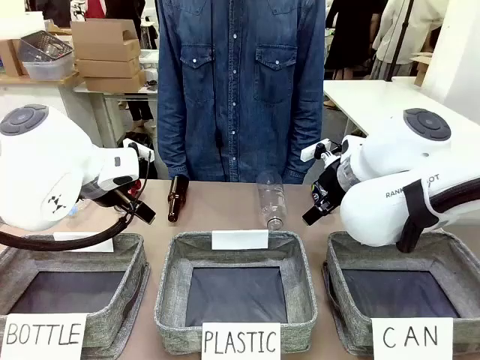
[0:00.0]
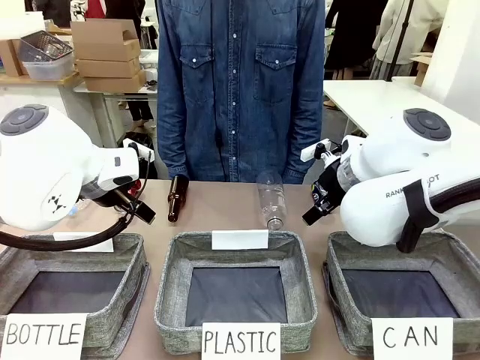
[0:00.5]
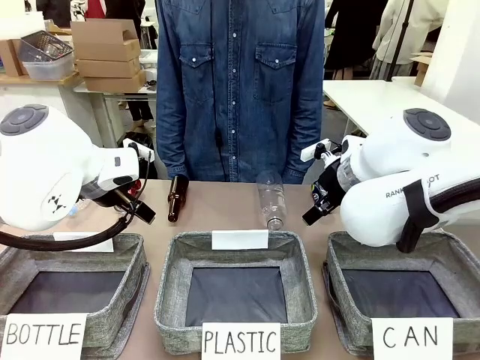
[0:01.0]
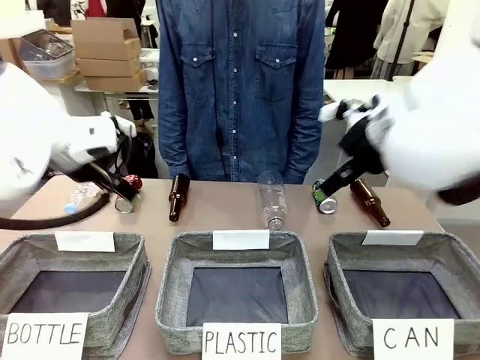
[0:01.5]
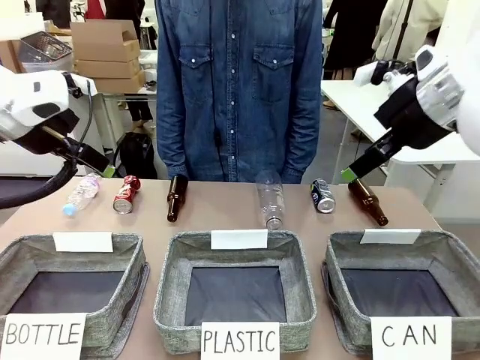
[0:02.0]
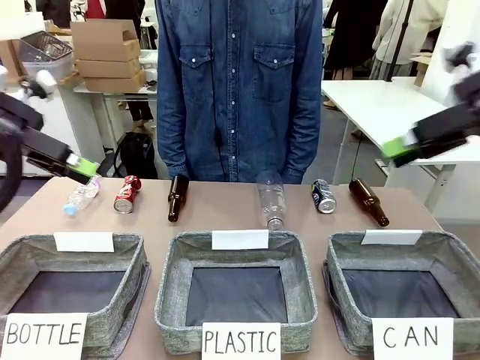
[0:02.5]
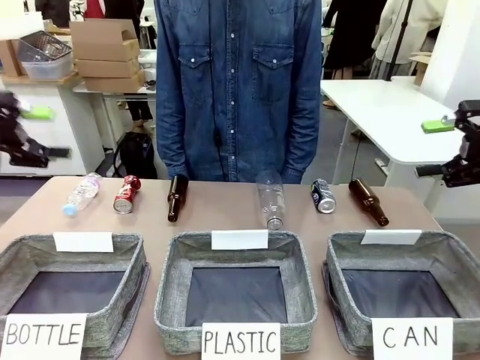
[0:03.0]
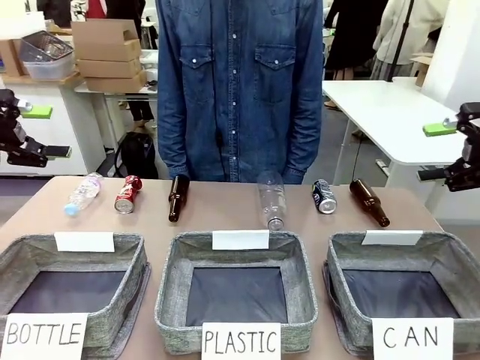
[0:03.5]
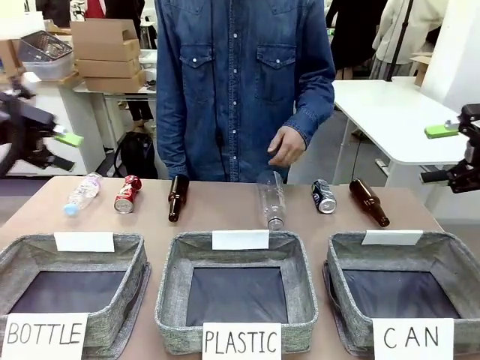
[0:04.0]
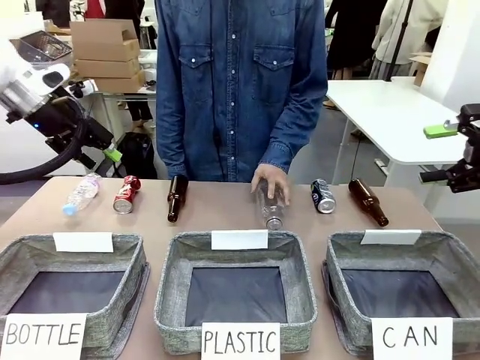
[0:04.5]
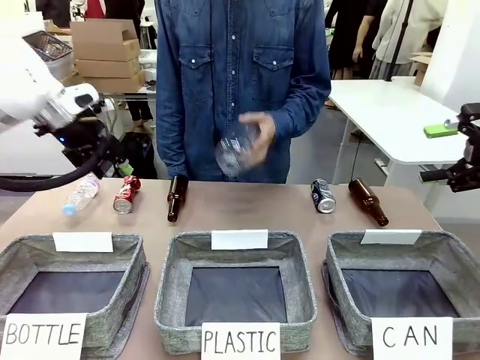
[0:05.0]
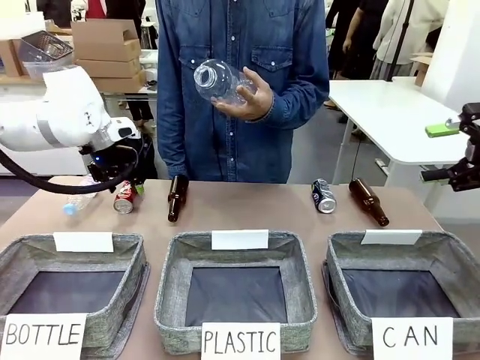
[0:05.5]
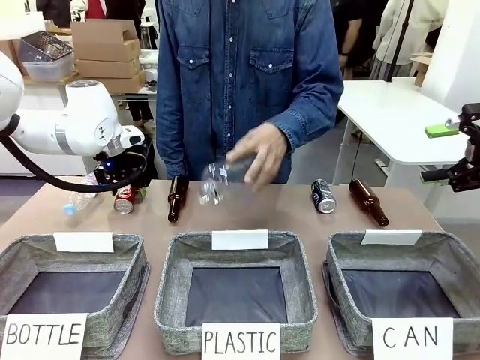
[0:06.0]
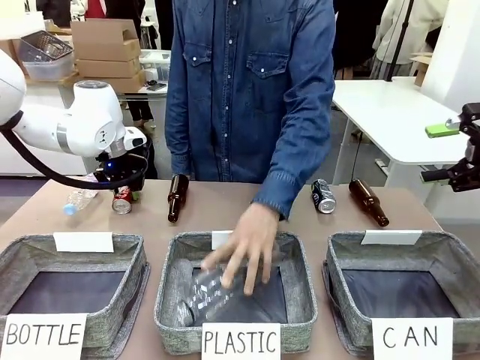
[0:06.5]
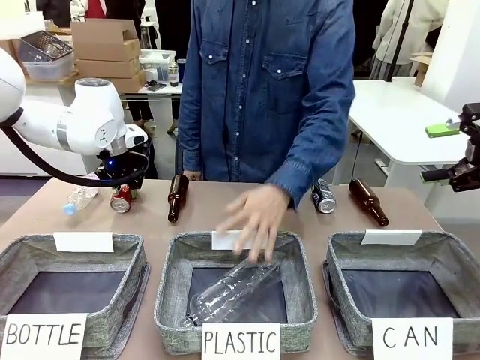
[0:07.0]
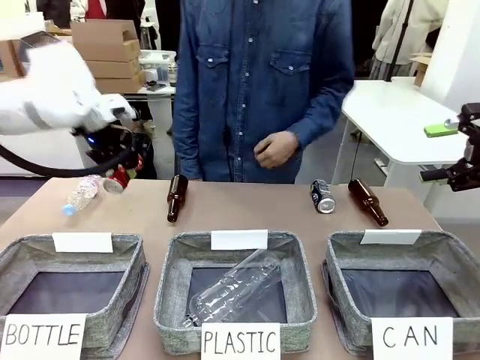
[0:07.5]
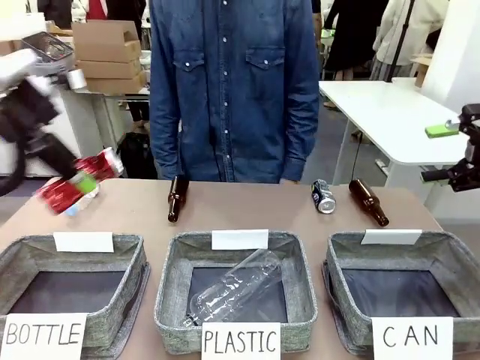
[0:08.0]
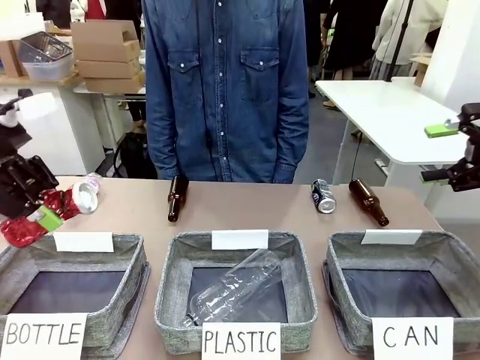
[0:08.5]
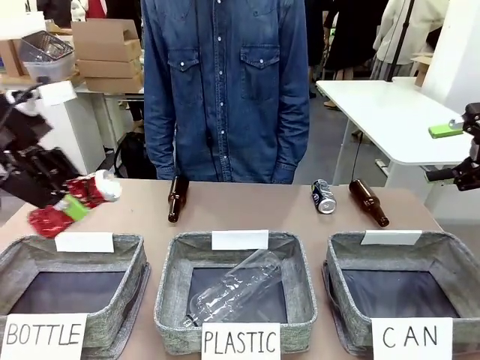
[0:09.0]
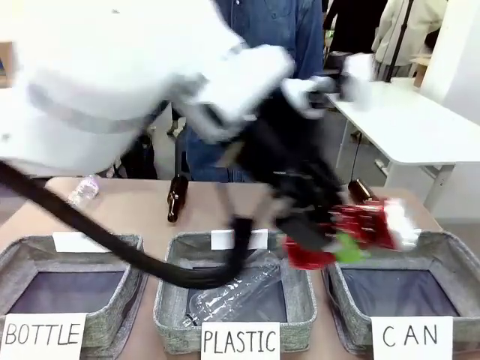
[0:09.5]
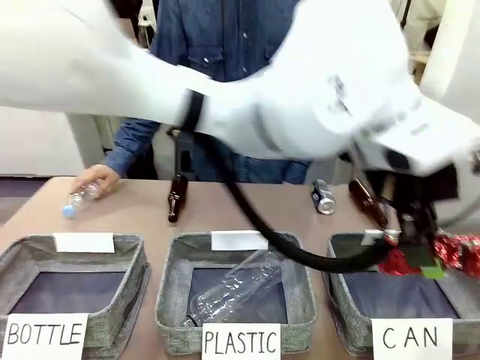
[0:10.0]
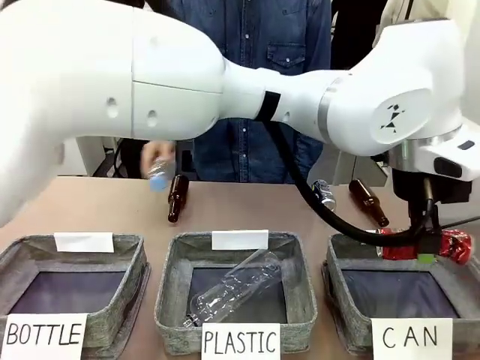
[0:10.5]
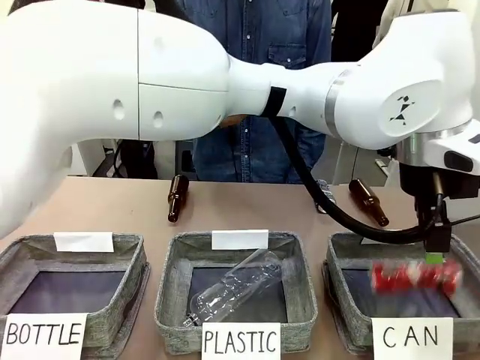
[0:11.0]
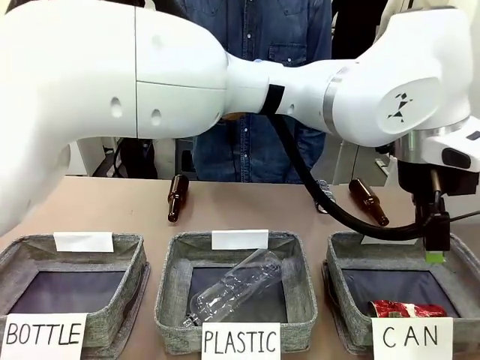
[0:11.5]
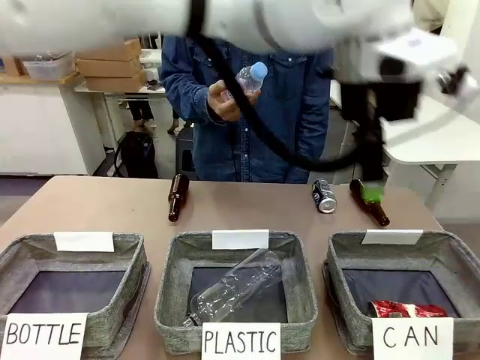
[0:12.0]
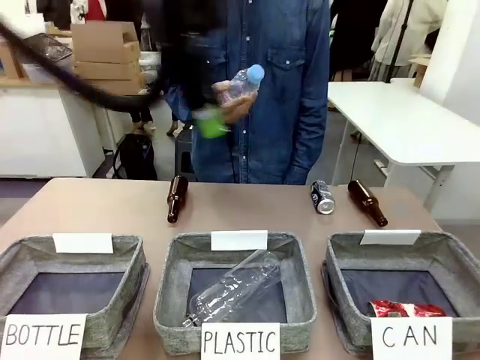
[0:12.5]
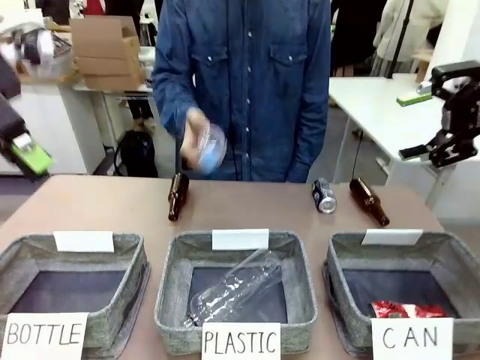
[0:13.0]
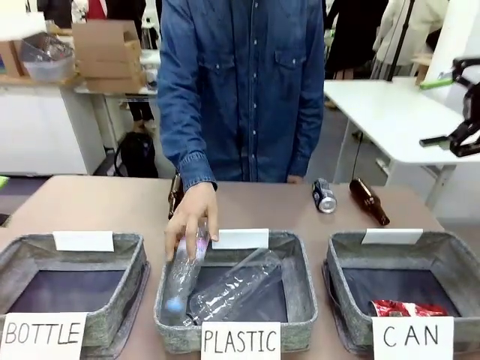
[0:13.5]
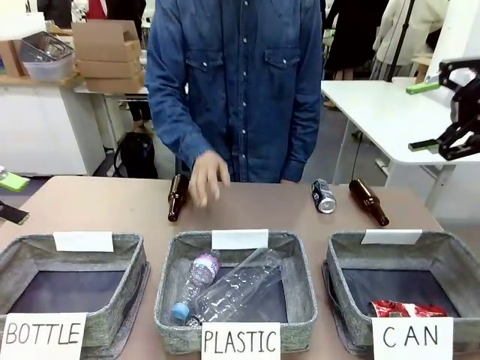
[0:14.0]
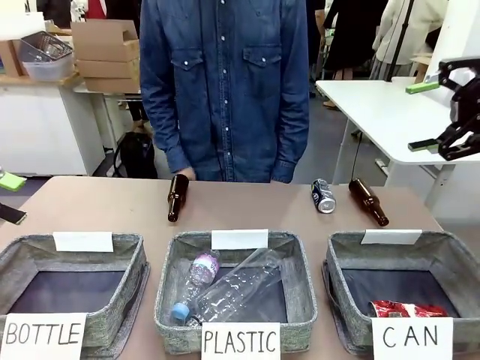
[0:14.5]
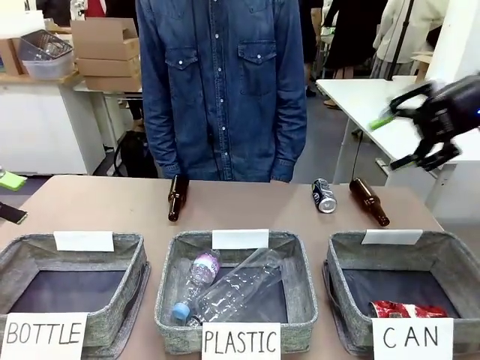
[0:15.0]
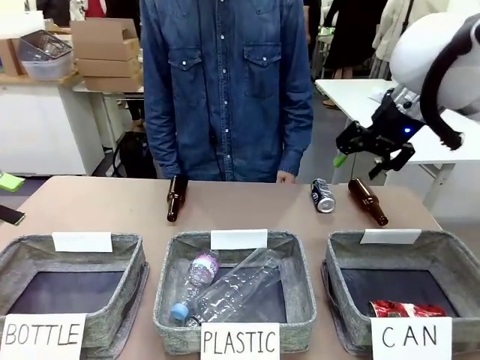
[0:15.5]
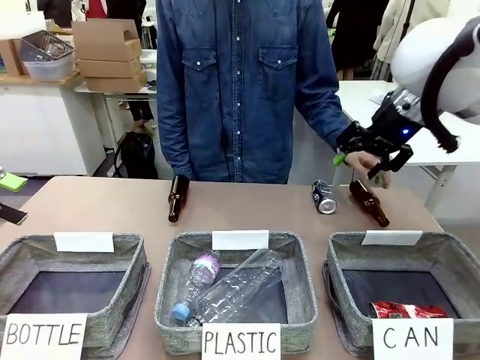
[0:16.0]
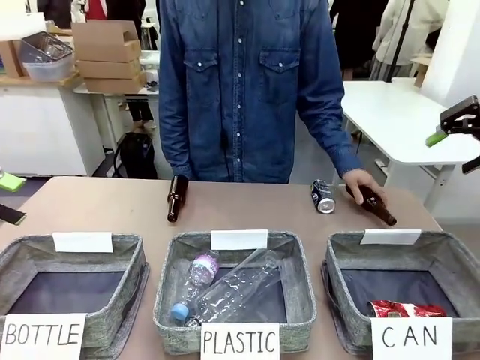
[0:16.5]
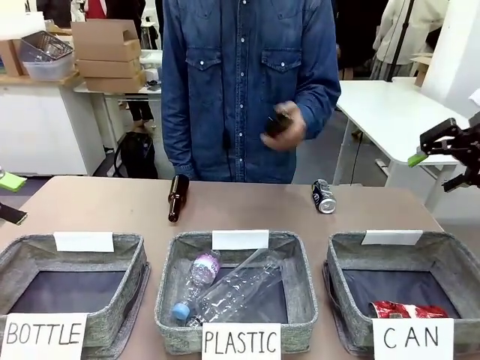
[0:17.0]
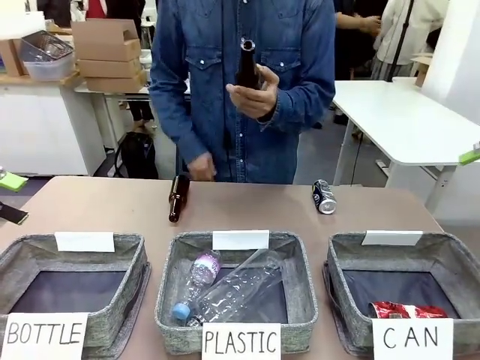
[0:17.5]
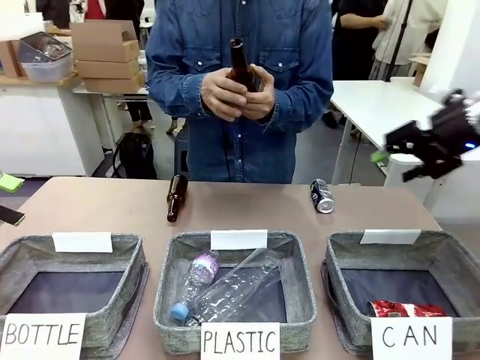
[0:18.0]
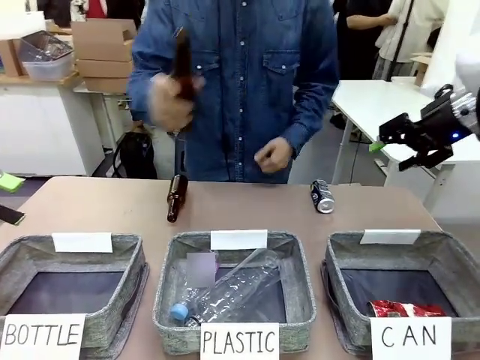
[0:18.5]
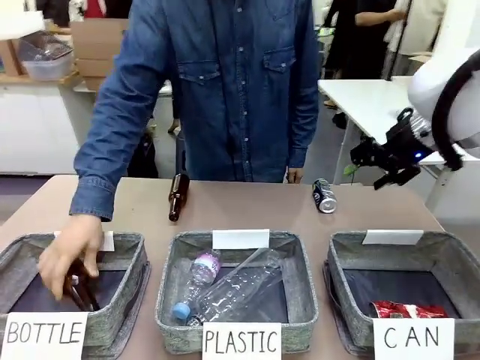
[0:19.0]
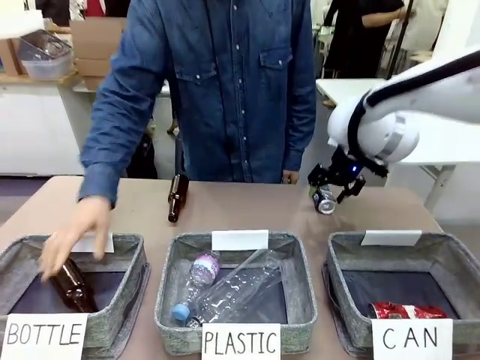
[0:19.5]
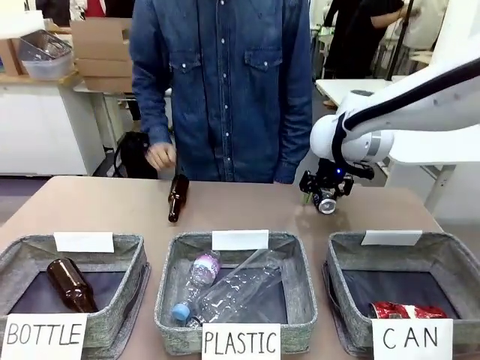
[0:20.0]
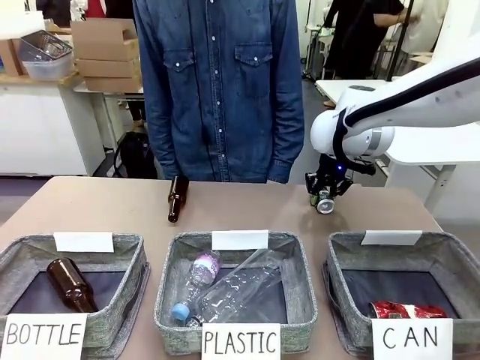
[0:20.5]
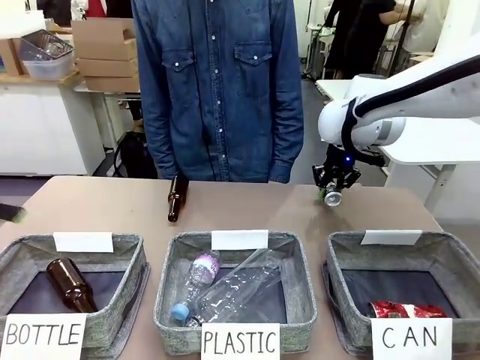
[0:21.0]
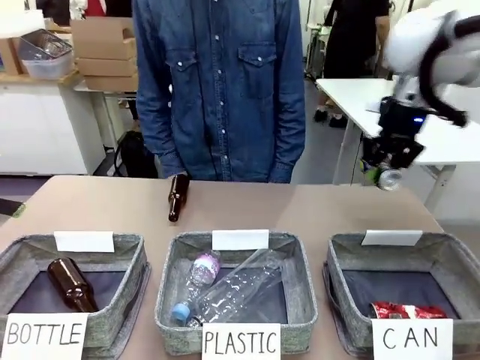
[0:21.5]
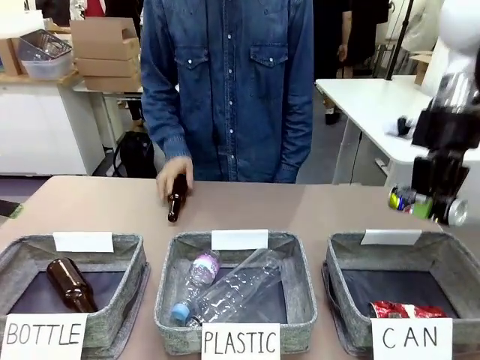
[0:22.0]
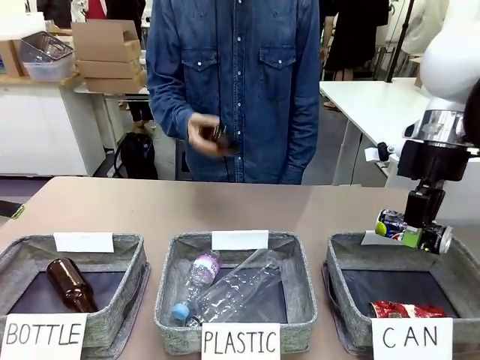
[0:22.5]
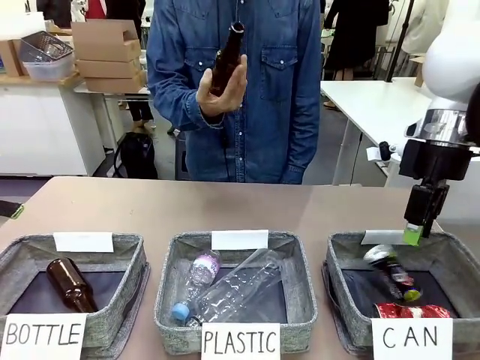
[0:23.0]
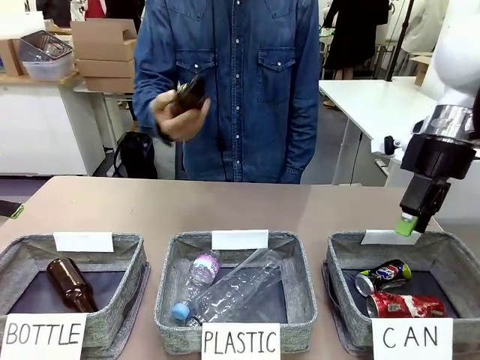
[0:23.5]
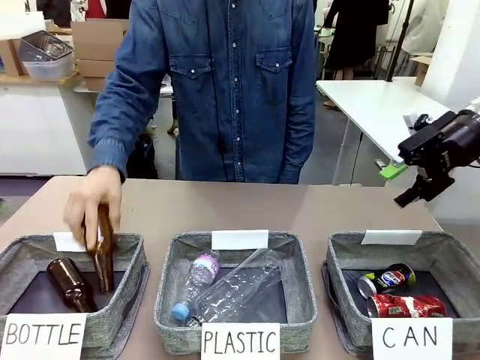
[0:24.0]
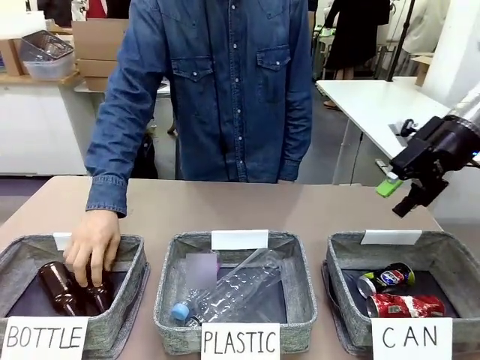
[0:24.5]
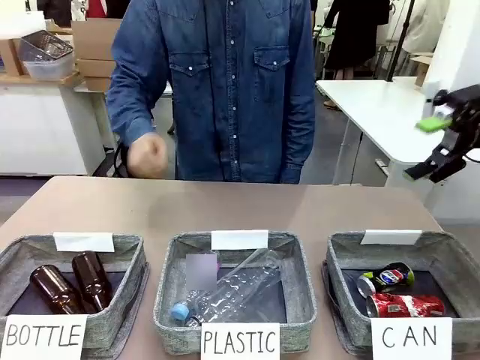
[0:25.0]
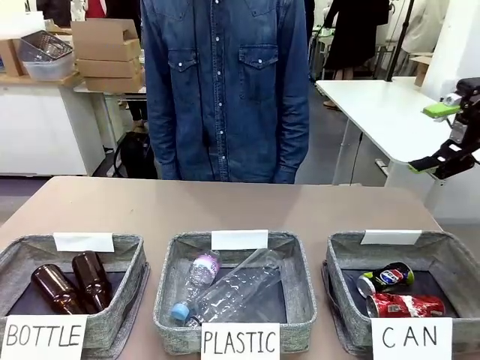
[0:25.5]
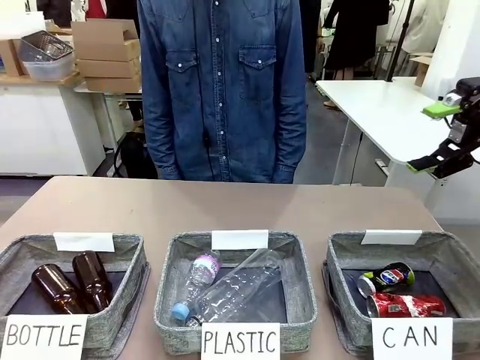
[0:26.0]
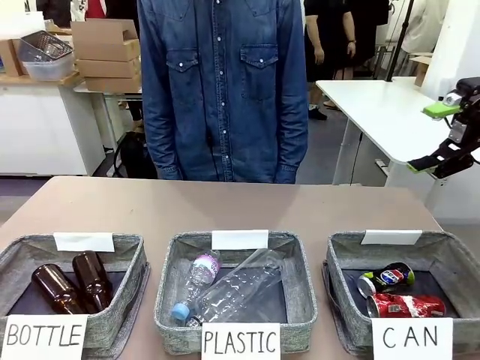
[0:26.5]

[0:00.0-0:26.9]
Task: Sort the can waste into the basket.
Robot: Pick up the can waste from the table and place it in the right Fabric basket.
Person: The human picks up one piece of trash that is not a can and places the trash into the appropriate organizing basket.
